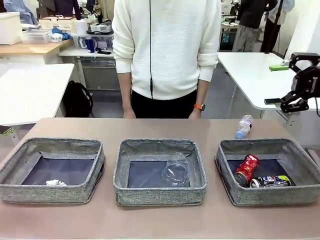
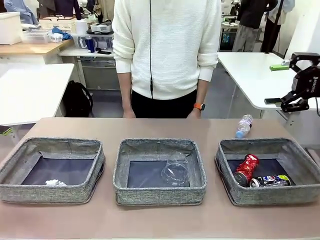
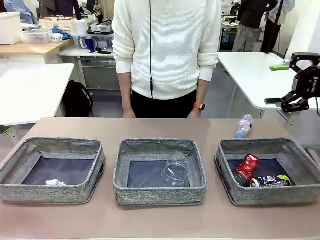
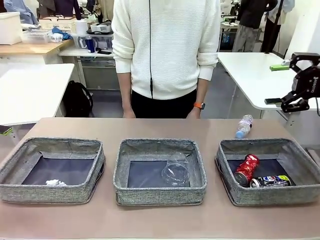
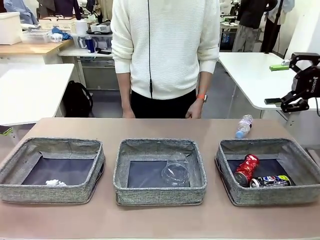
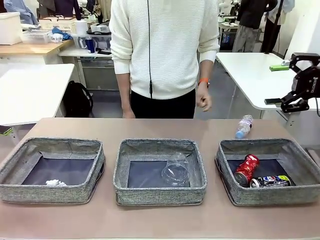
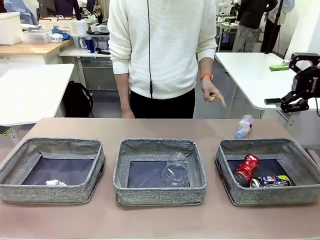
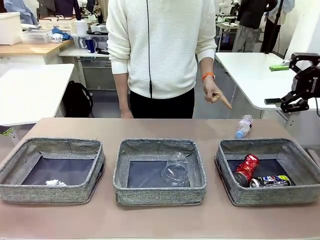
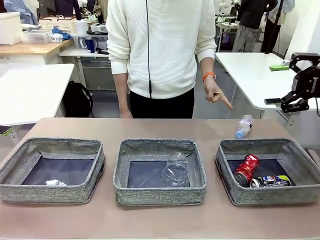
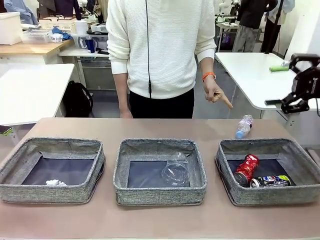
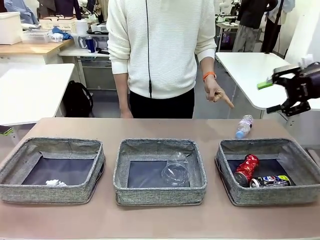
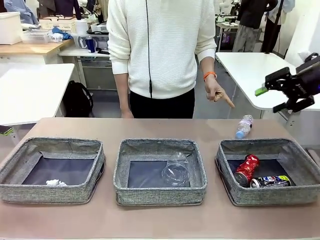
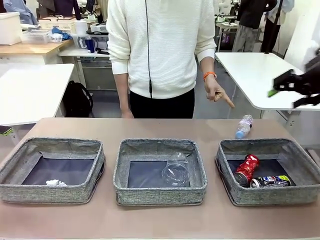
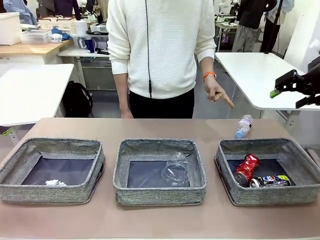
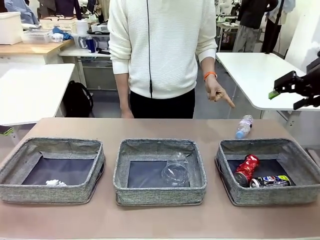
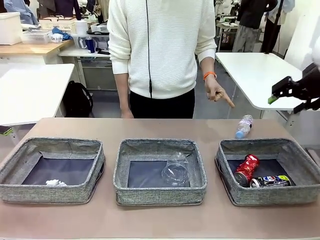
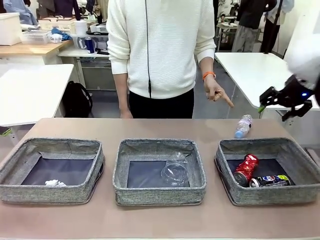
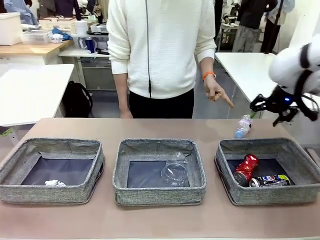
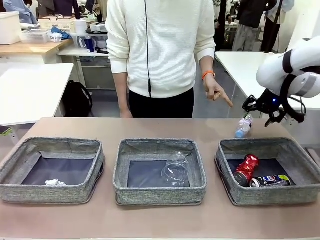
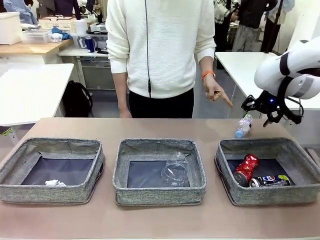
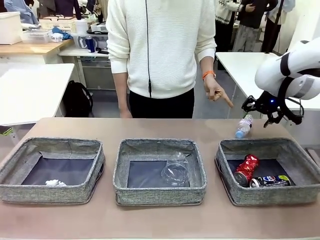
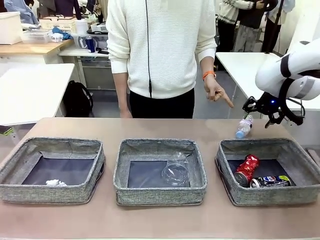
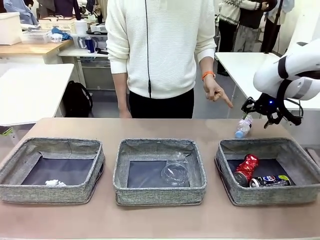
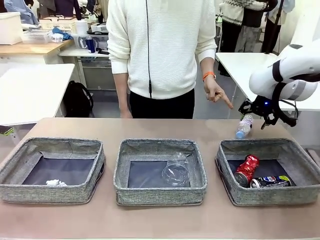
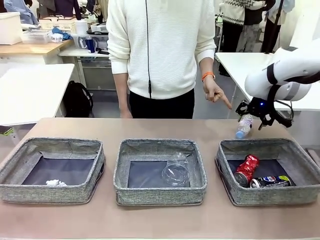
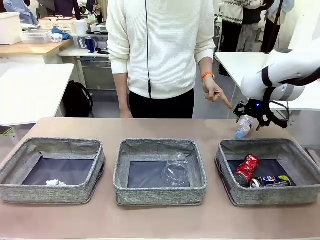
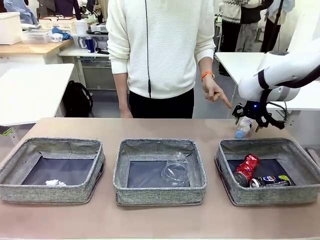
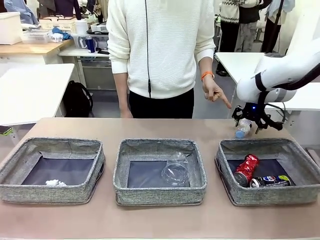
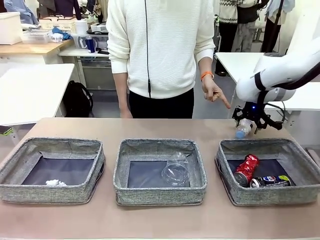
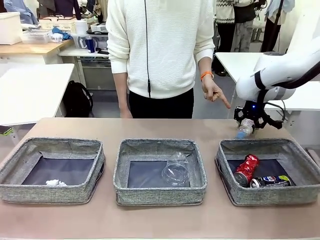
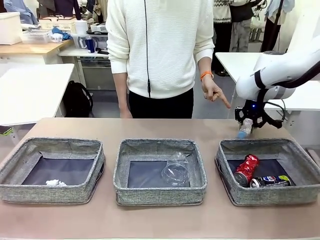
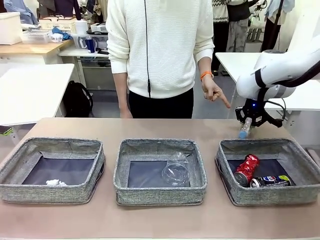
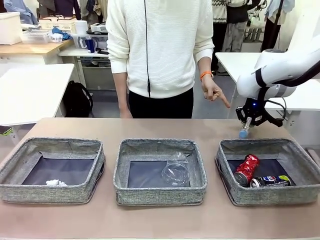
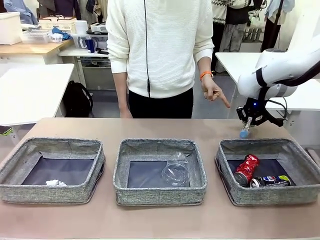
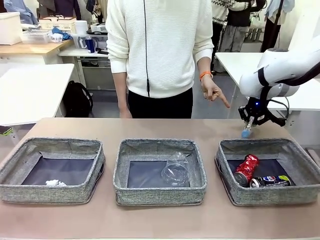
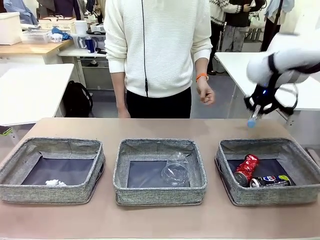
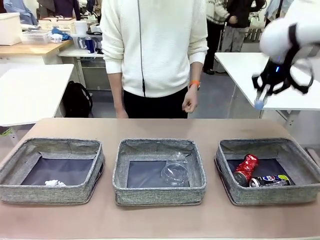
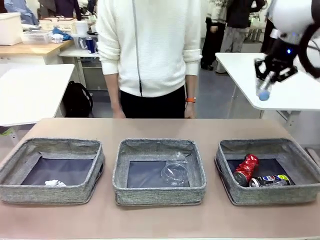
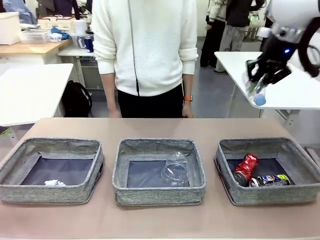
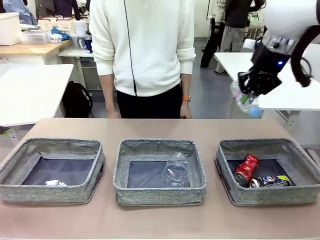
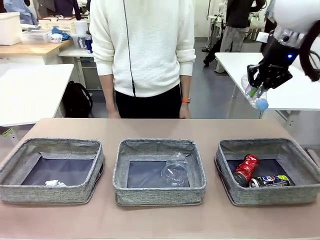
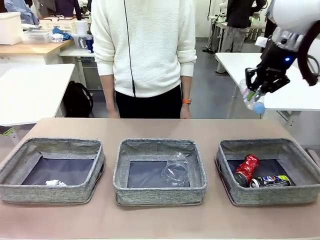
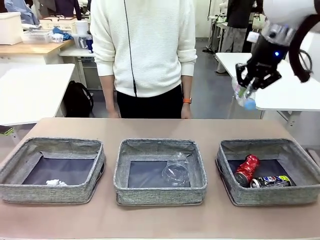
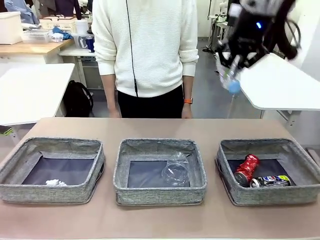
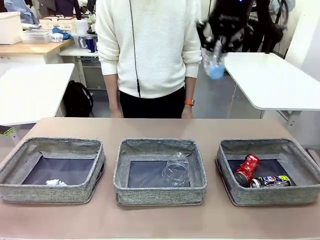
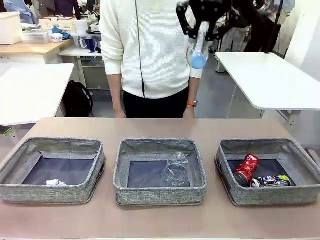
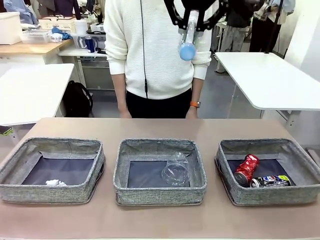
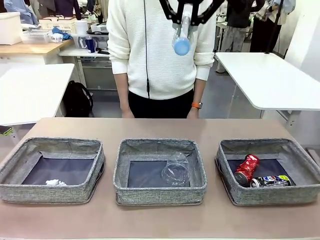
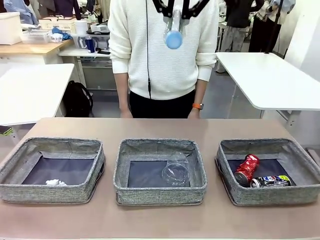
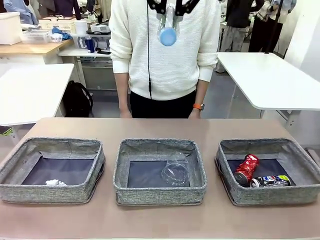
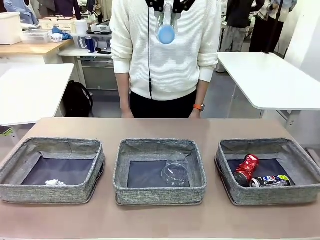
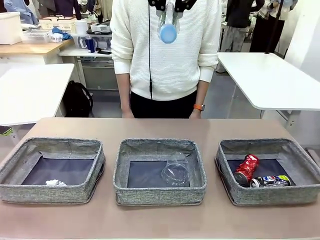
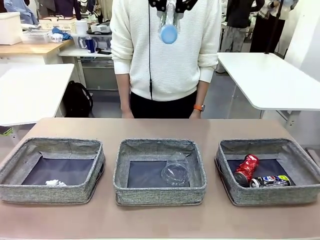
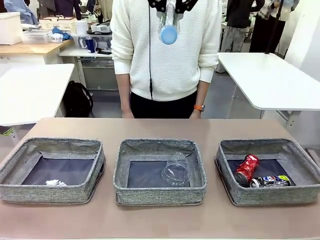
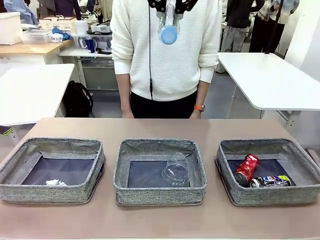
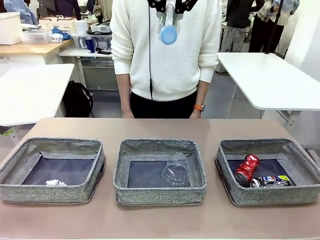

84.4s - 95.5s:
Task: Sort the waste into the appropriate baskets.
Robot: Pick up the waste item pointed out by the person.
Person: Points to one piece of trash on the table.

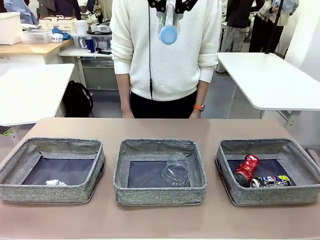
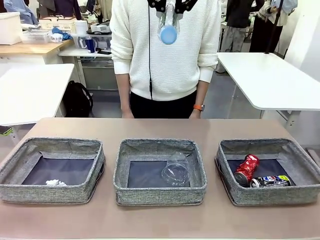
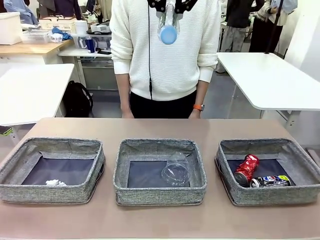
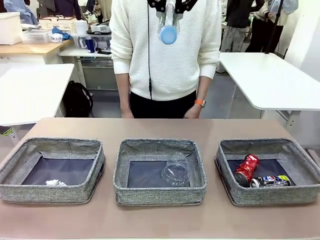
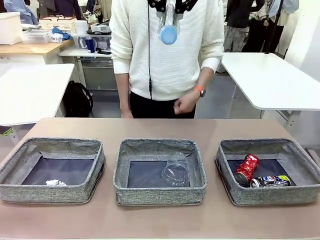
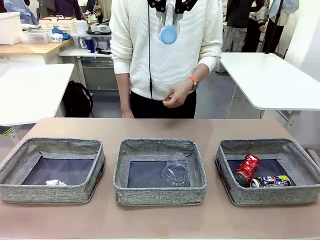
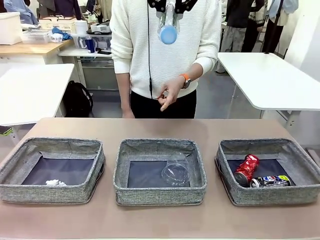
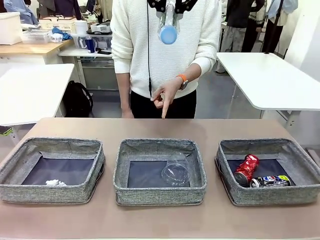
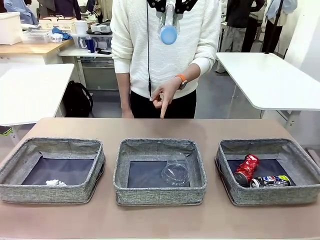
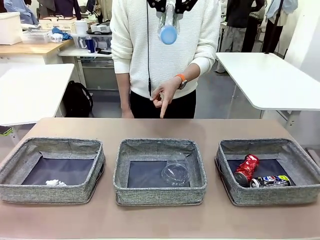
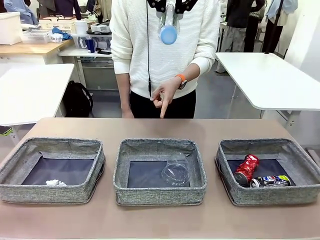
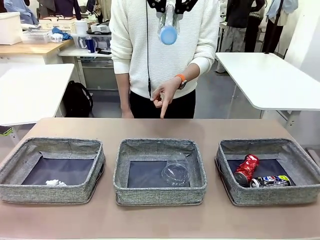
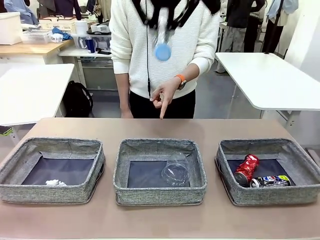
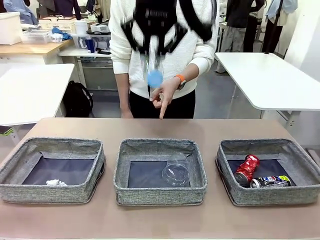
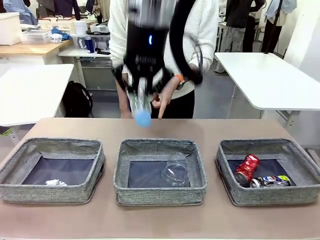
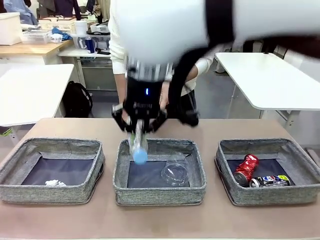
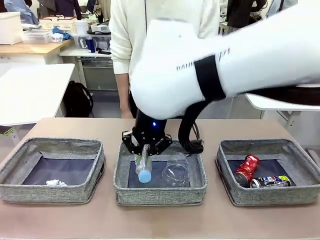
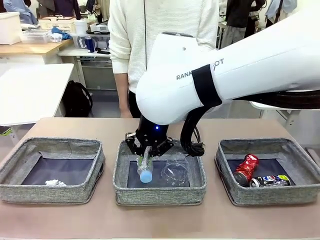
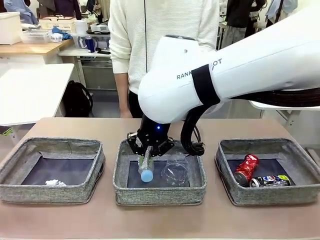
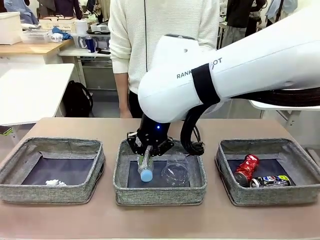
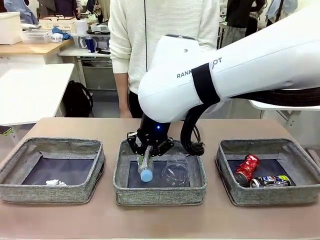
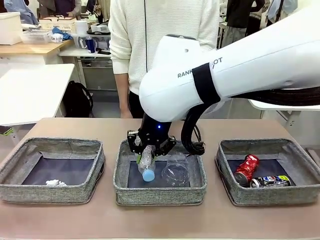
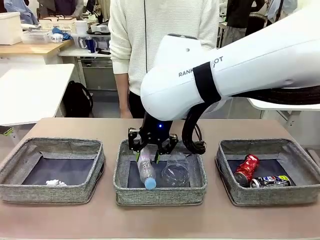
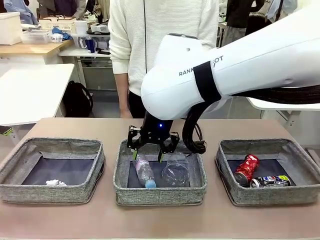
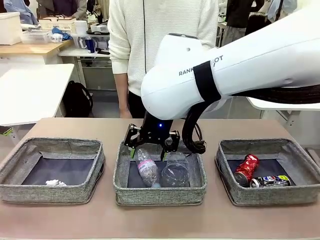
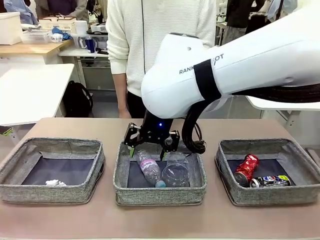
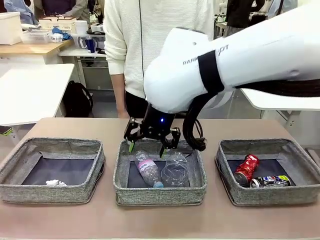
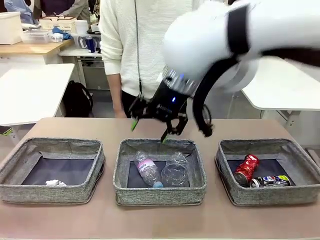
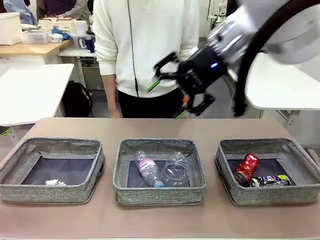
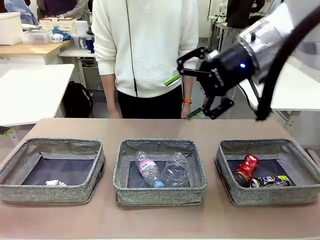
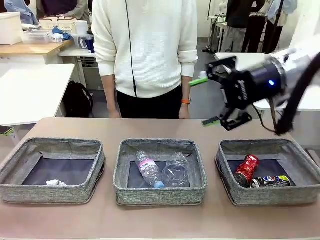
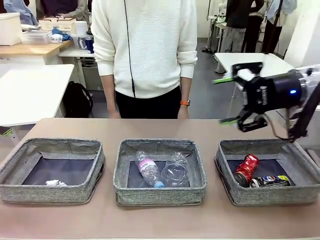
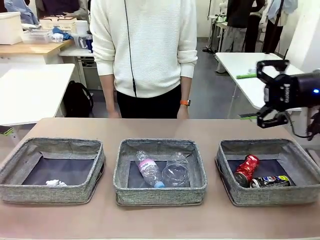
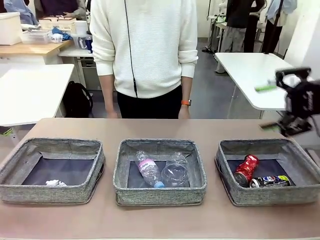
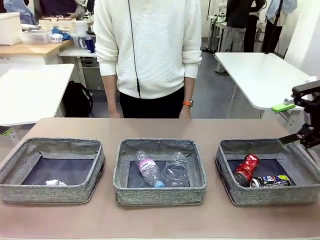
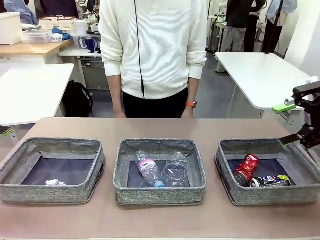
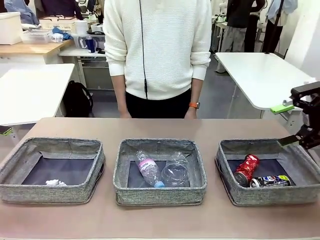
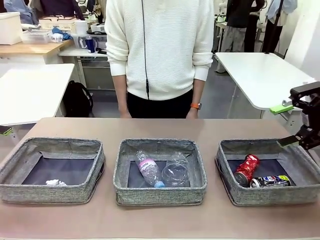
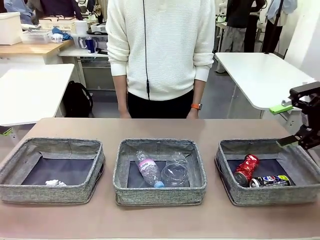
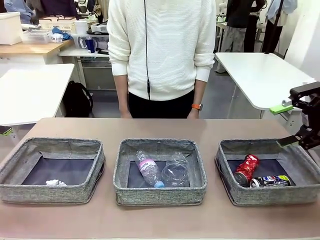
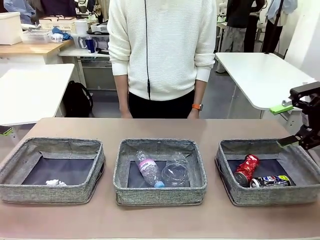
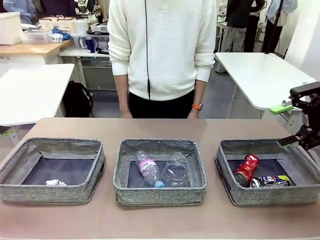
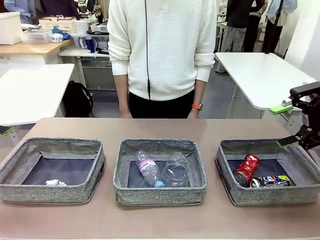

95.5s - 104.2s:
Robot: Place the picked waste into the Fabric basket indicated by the person.
Person: Instructs the robot to place the picked-up trash into the appropriate organizing basket.
